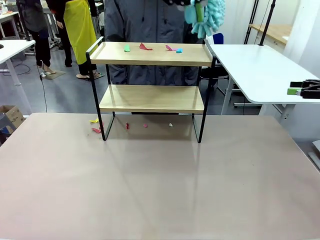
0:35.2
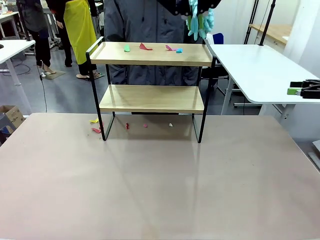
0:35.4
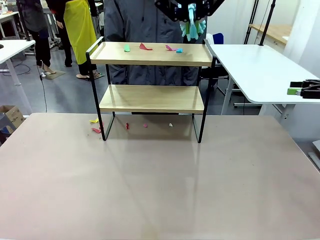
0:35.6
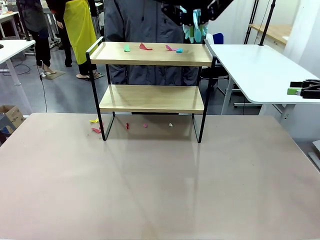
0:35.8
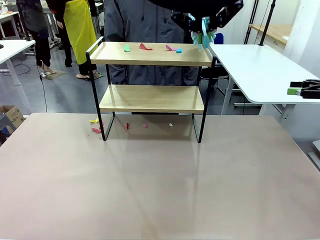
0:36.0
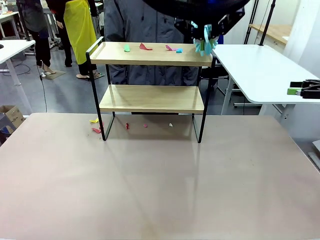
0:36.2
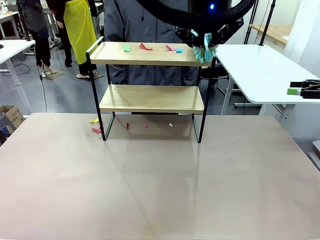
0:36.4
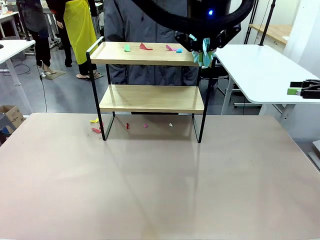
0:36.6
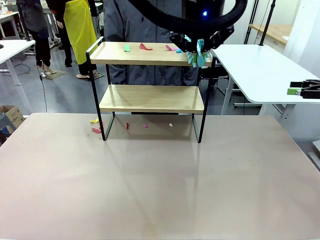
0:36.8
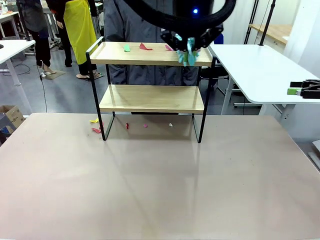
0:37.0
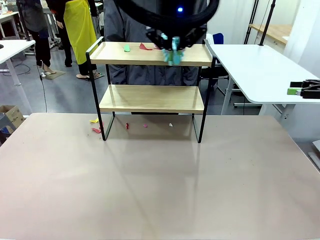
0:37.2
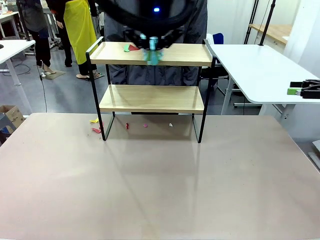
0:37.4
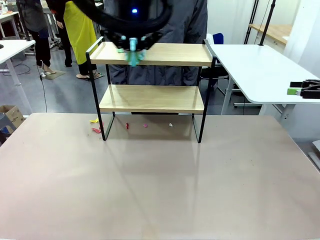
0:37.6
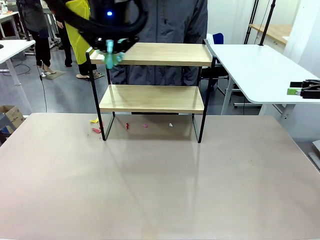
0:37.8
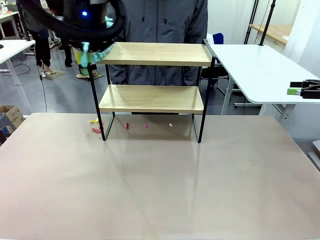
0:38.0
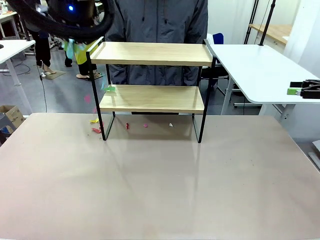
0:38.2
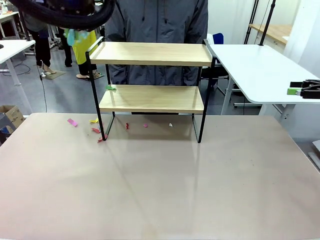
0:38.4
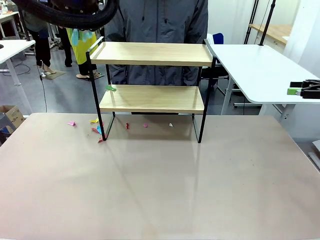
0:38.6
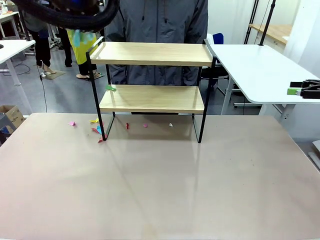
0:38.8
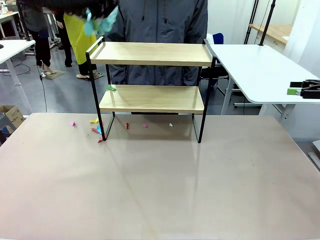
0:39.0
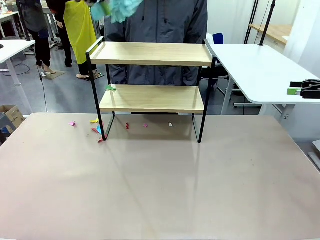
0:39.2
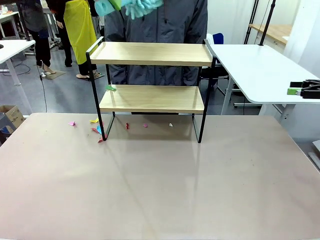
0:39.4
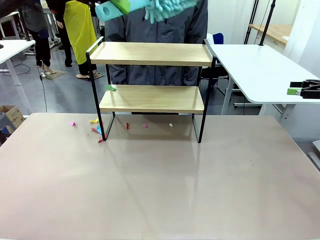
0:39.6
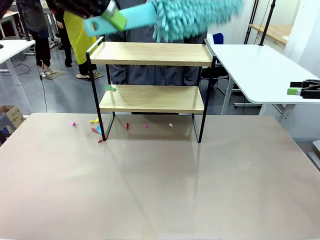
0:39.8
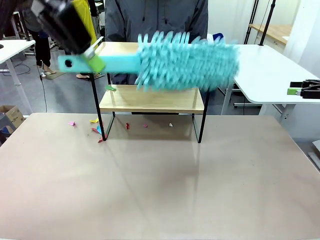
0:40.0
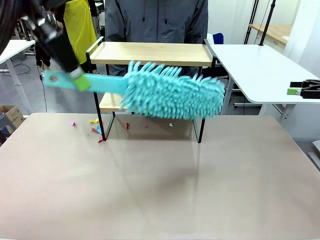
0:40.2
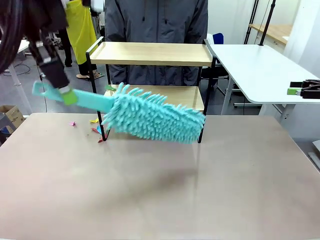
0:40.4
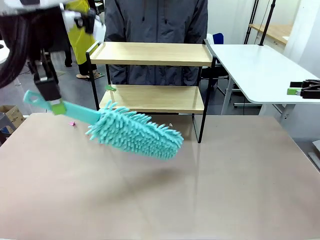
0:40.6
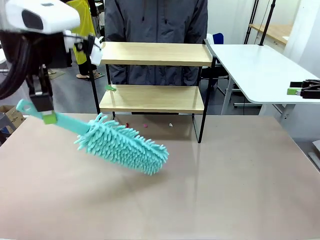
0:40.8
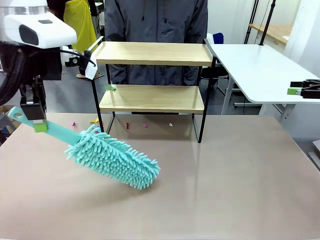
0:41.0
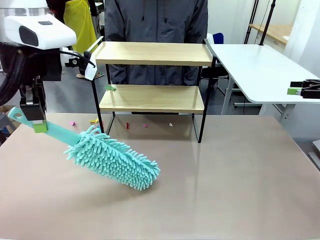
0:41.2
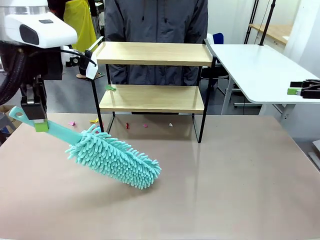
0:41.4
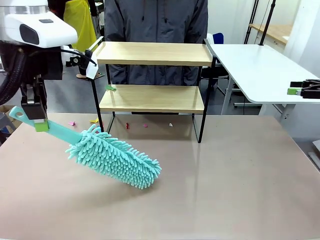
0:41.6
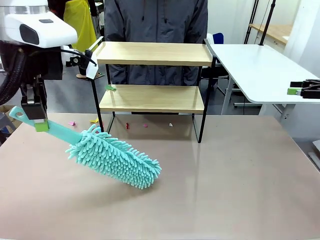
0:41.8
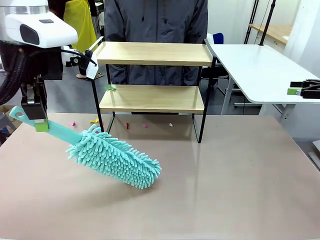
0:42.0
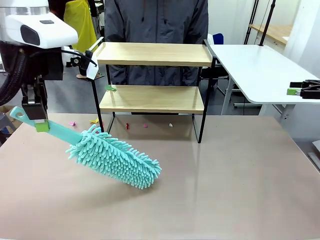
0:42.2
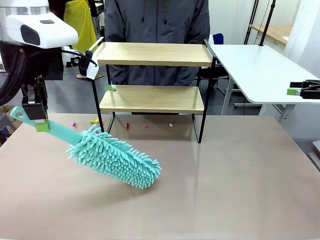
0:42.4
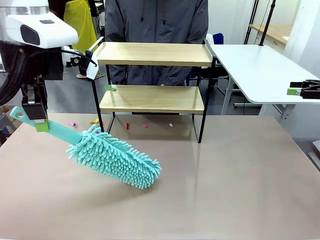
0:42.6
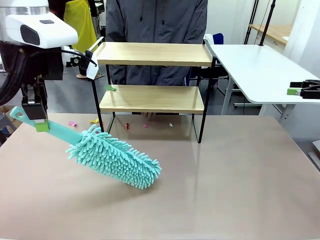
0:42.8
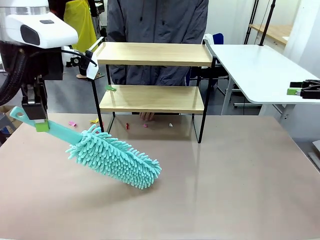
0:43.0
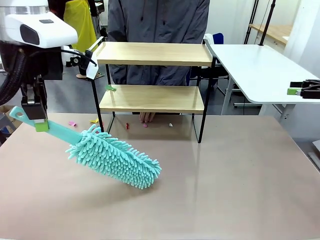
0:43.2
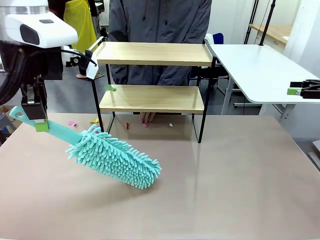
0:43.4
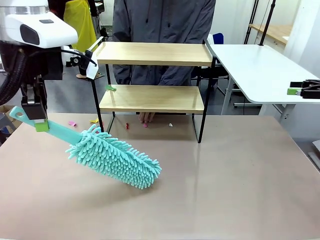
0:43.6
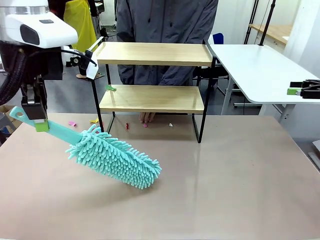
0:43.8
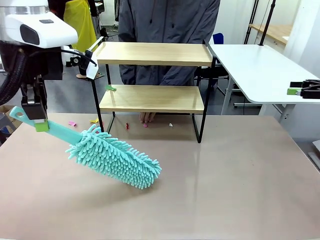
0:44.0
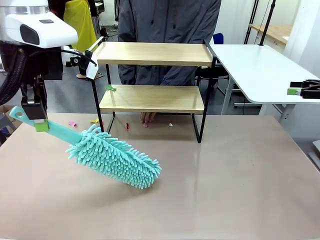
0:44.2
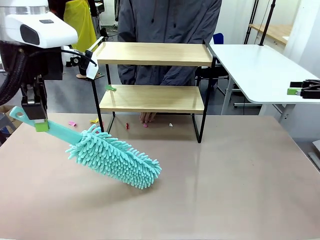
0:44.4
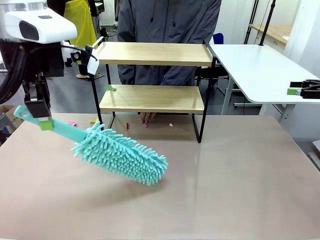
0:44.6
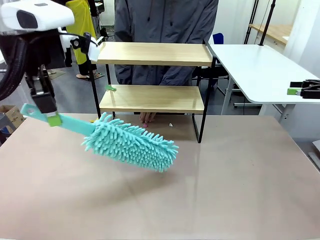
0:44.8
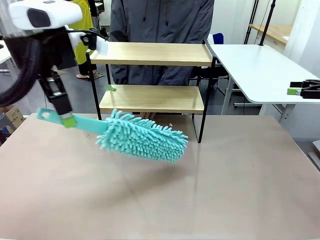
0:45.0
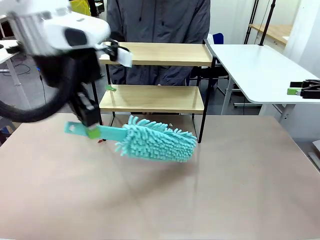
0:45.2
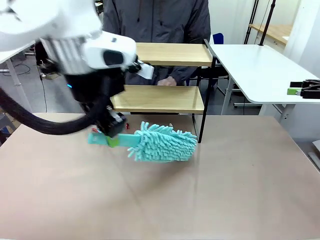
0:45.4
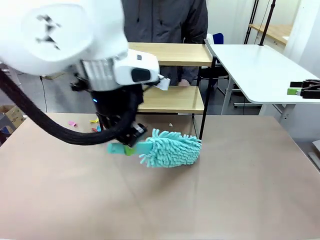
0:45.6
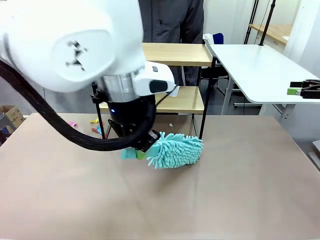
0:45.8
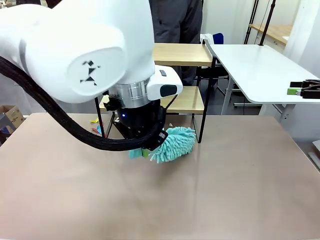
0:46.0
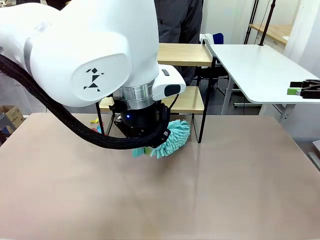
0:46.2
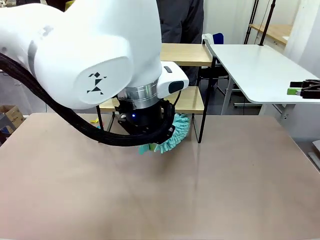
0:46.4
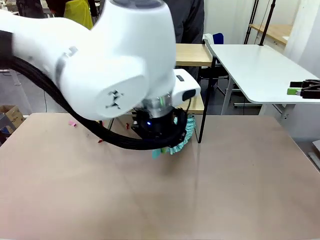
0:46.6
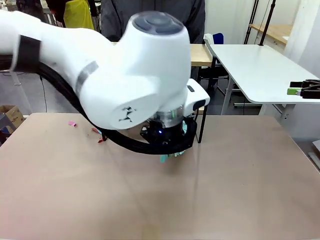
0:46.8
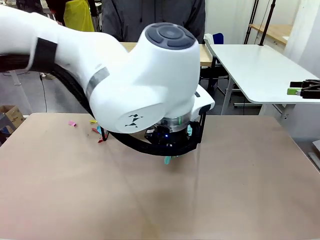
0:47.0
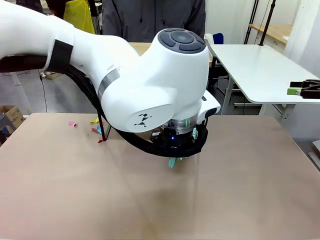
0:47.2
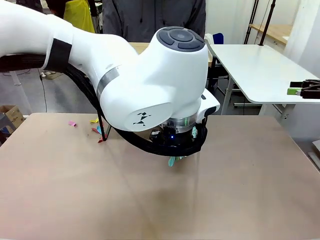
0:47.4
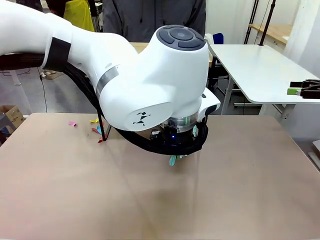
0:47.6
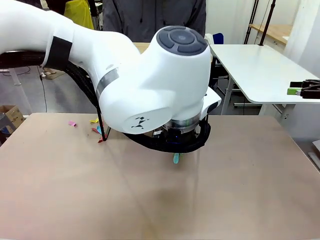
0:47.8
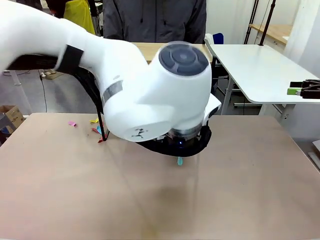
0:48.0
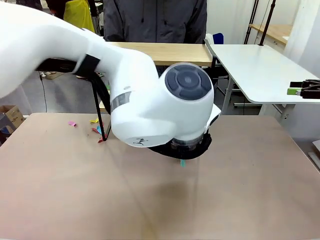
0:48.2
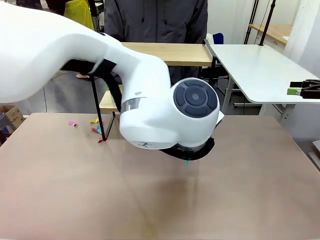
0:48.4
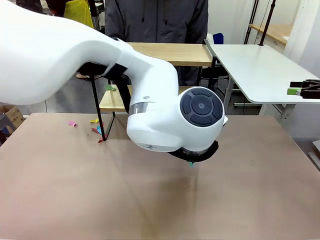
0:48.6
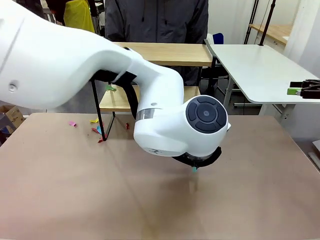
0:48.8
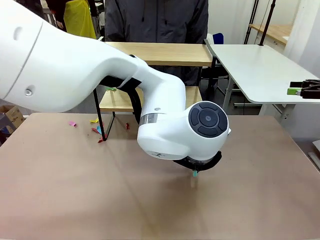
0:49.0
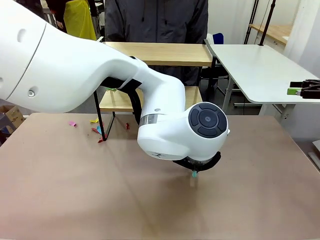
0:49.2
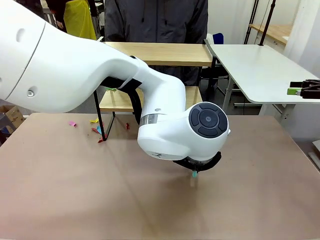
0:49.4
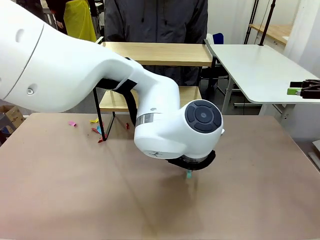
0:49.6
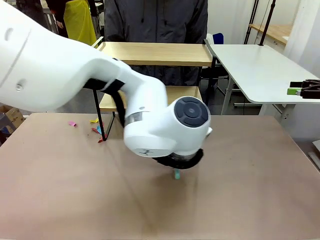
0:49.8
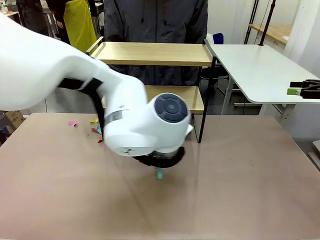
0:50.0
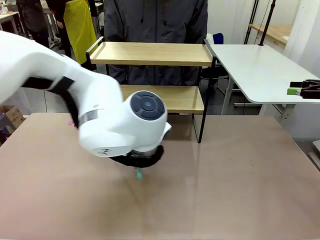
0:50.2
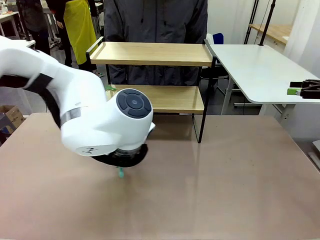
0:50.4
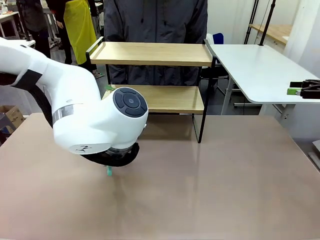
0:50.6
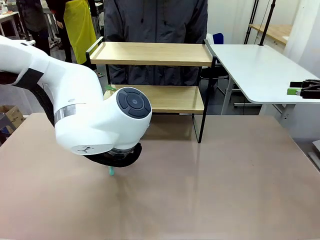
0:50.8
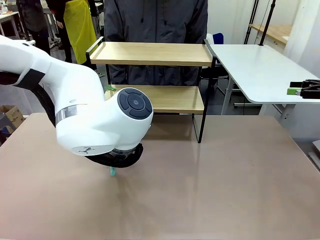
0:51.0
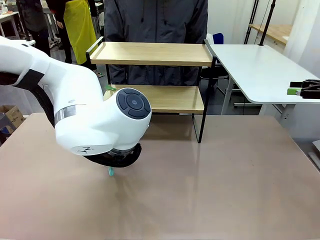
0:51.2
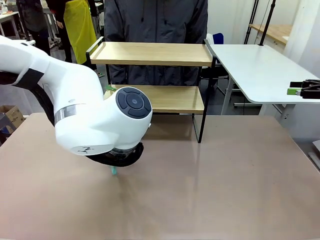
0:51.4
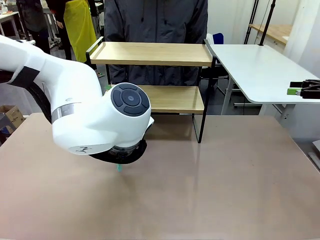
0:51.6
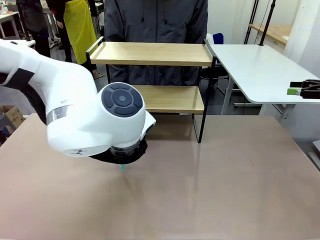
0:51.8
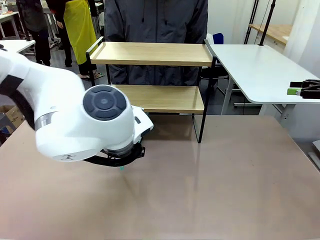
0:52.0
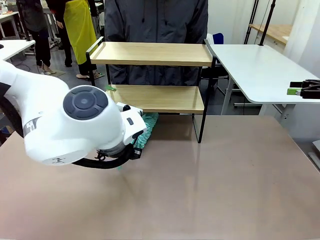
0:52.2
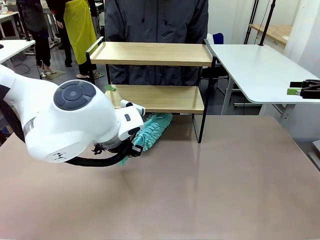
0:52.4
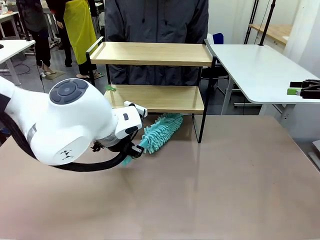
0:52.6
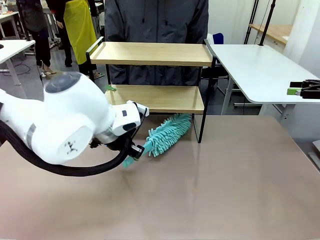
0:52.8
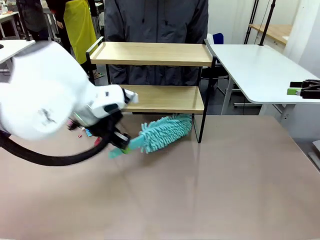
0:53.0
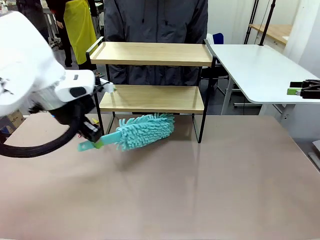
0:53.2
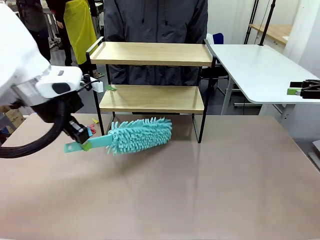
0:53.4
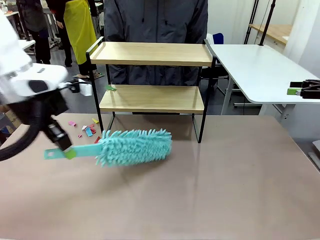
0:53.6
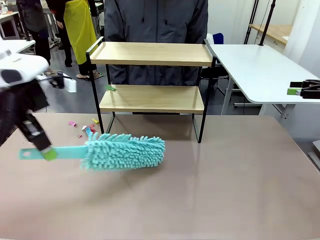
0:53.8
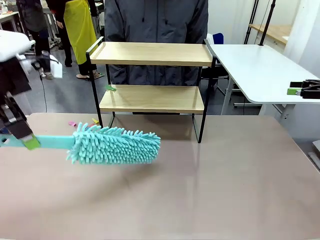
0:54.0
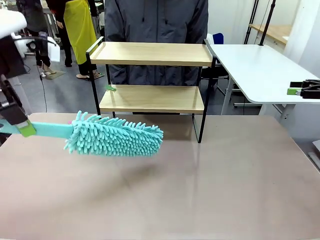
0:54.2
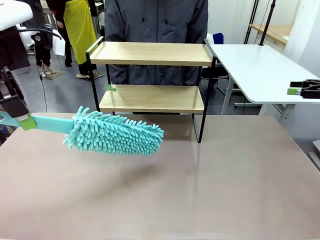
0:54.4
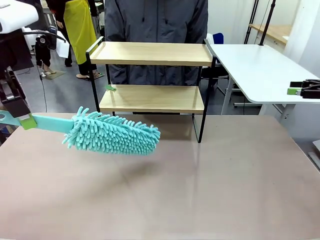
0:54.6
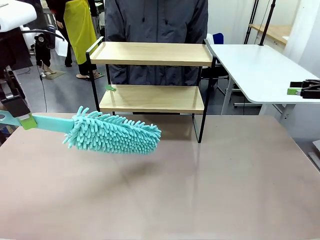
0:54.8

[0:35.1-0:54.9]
Task: Clean the shelf.
Robot: Clean the specific section of the Shelf indicated by the human with the Duster.
Person: Point a remaining section of the Shelf.
